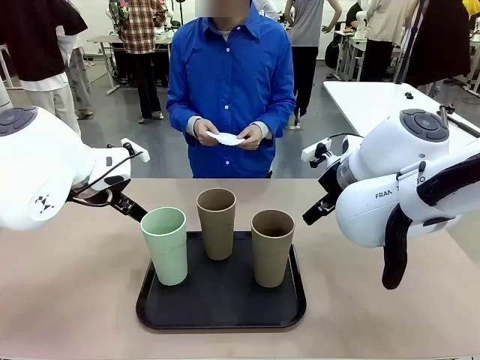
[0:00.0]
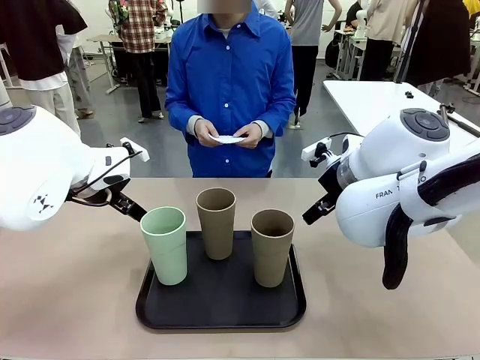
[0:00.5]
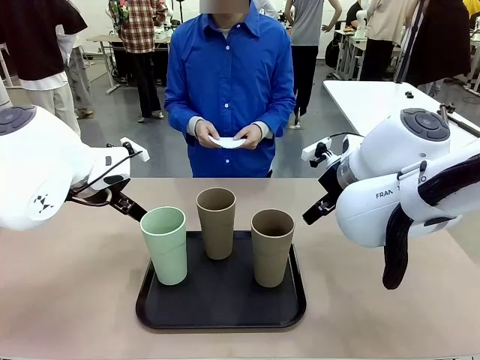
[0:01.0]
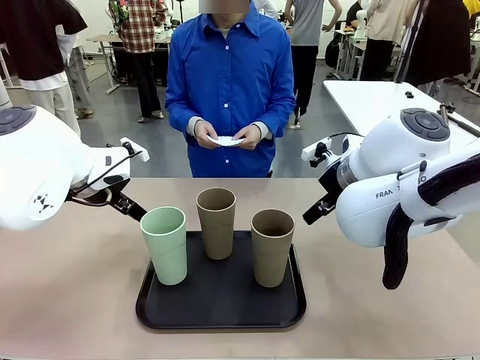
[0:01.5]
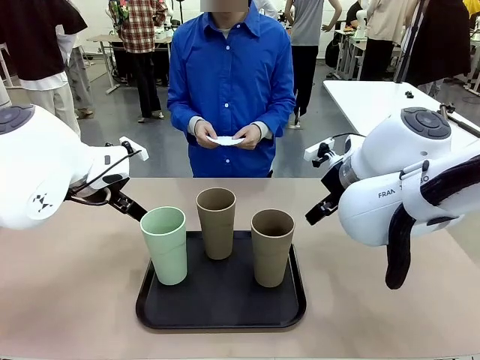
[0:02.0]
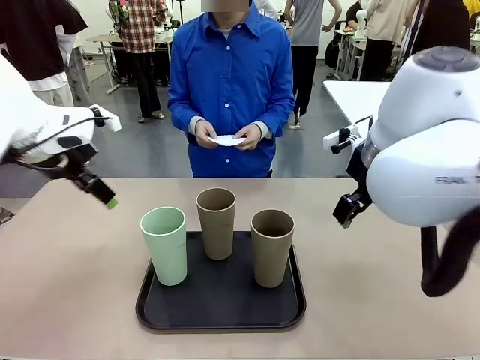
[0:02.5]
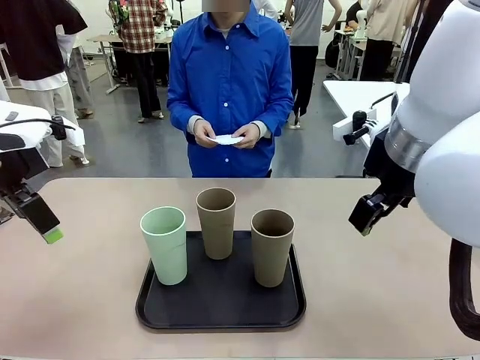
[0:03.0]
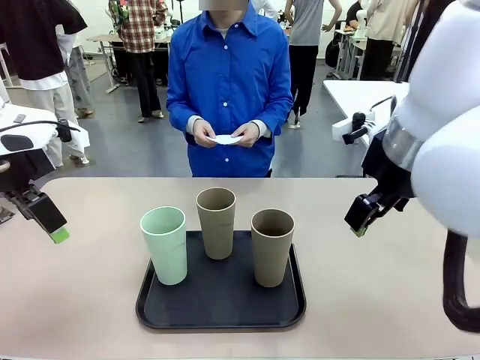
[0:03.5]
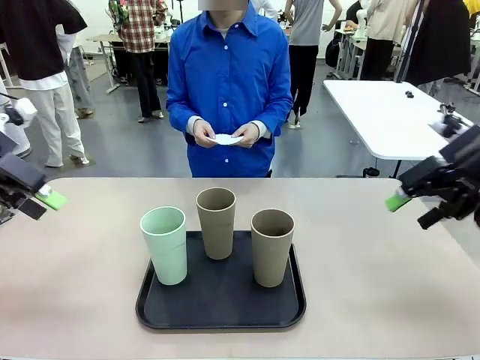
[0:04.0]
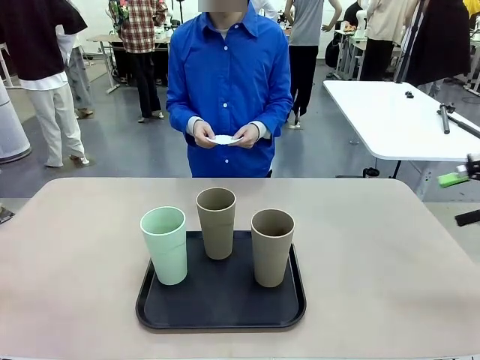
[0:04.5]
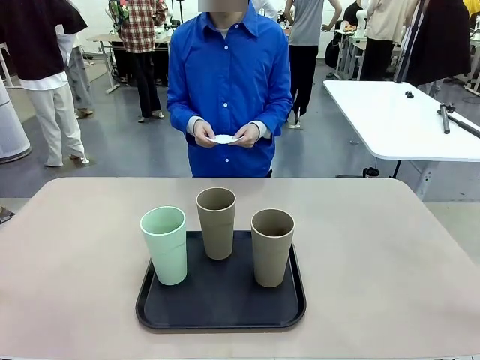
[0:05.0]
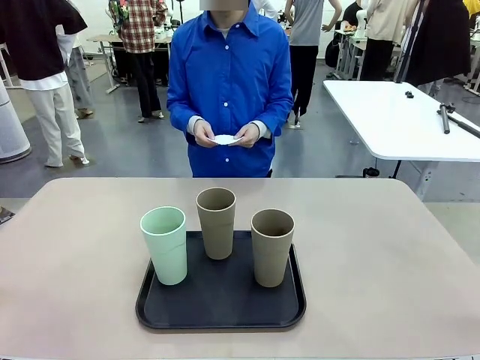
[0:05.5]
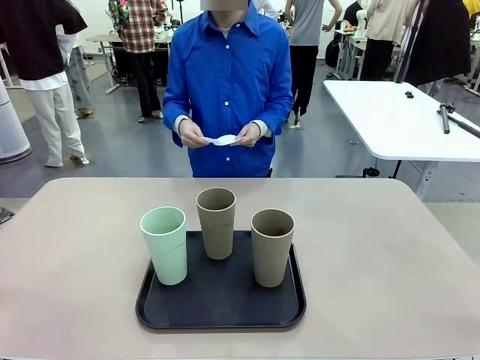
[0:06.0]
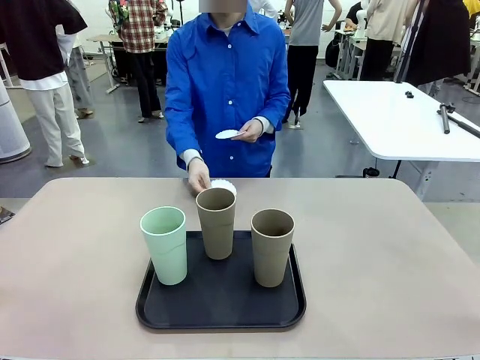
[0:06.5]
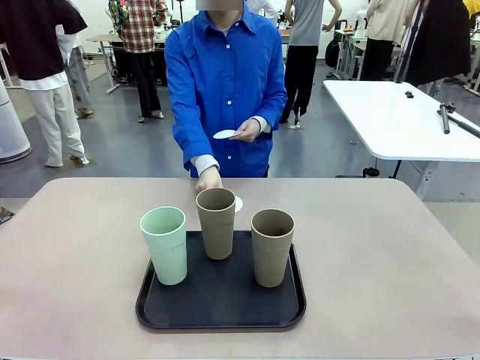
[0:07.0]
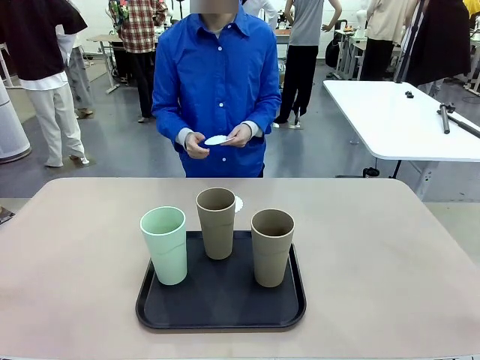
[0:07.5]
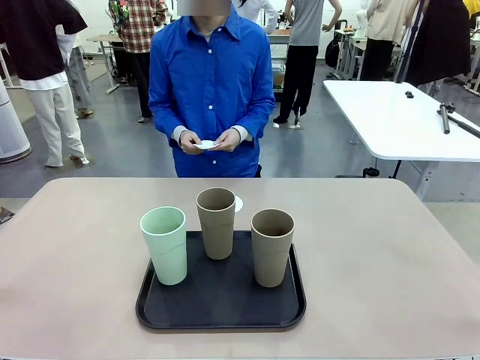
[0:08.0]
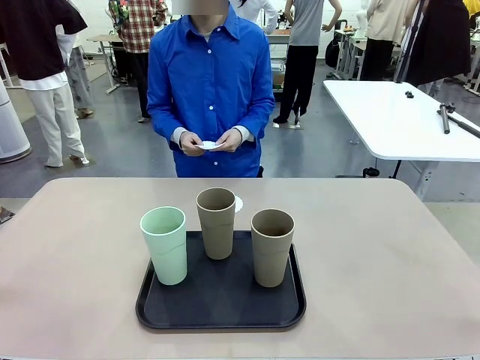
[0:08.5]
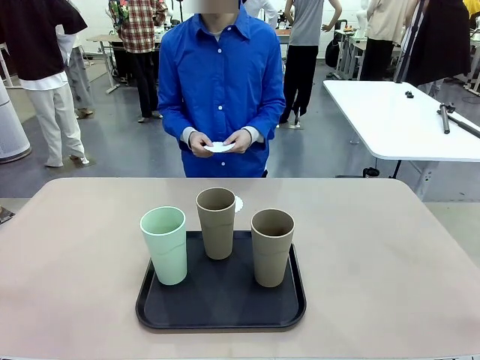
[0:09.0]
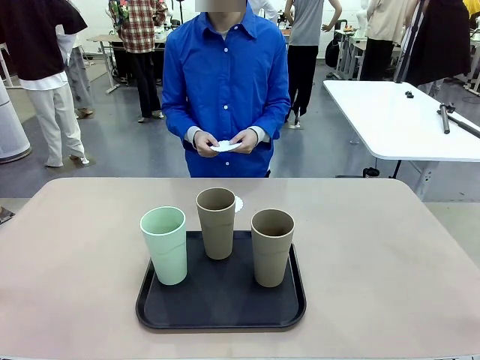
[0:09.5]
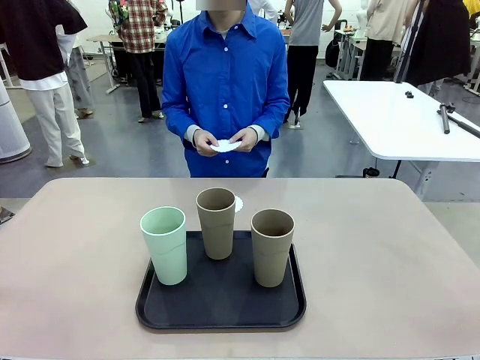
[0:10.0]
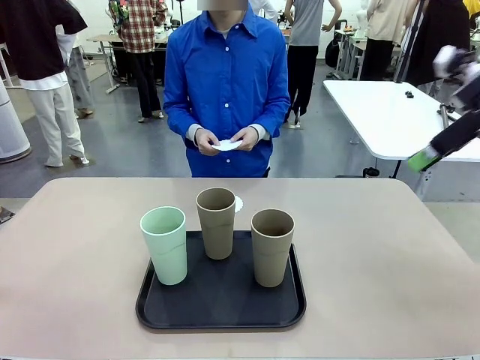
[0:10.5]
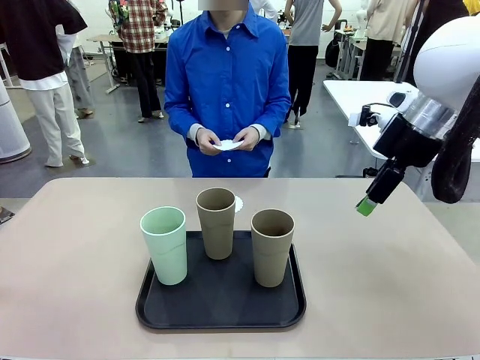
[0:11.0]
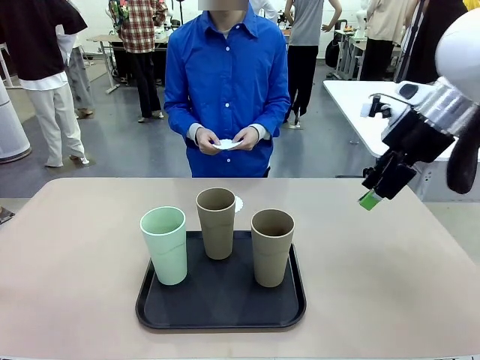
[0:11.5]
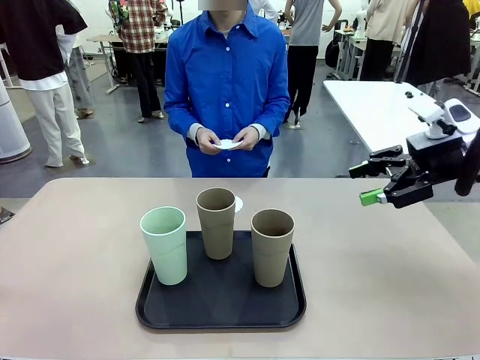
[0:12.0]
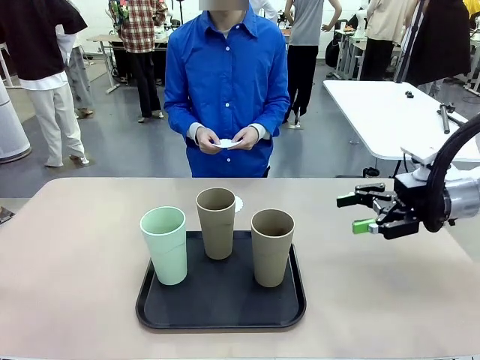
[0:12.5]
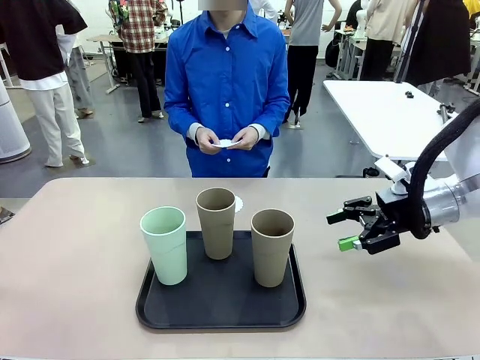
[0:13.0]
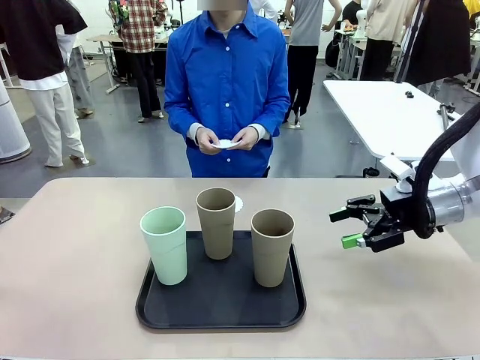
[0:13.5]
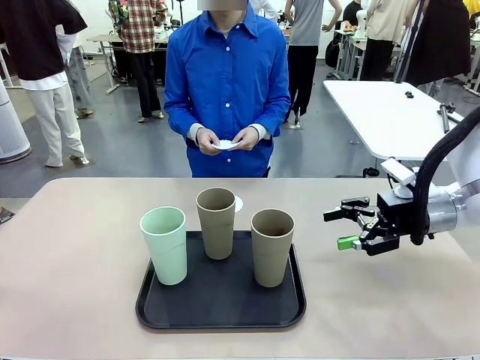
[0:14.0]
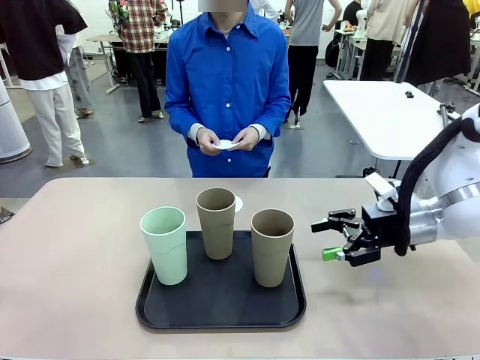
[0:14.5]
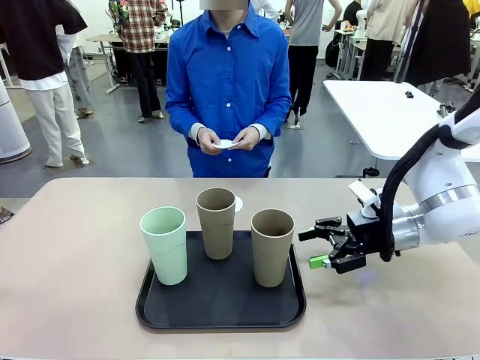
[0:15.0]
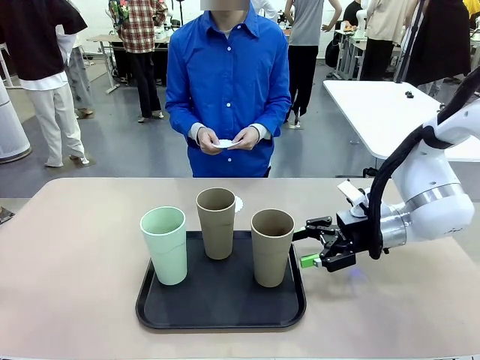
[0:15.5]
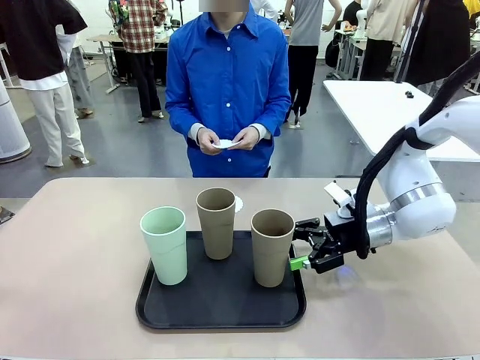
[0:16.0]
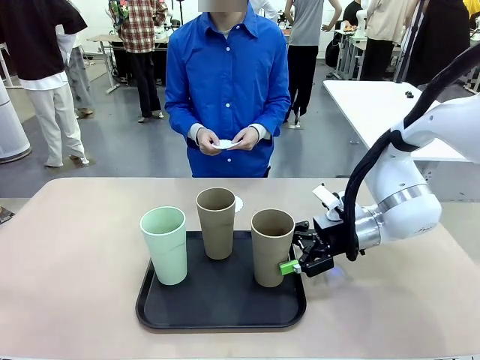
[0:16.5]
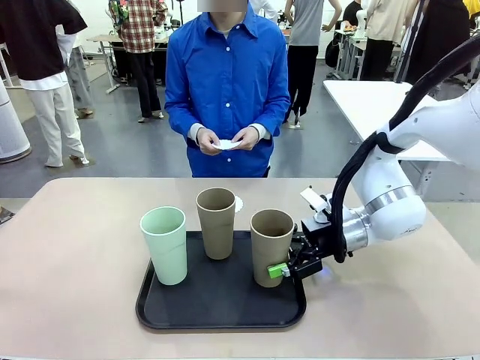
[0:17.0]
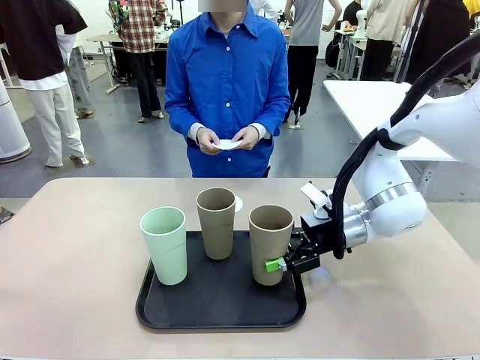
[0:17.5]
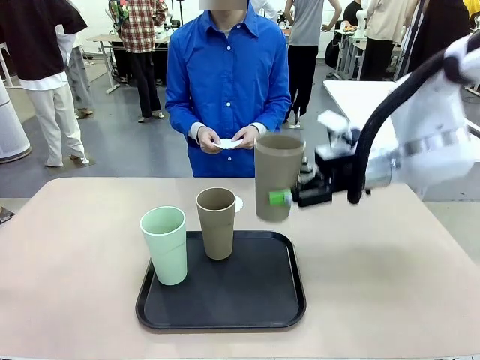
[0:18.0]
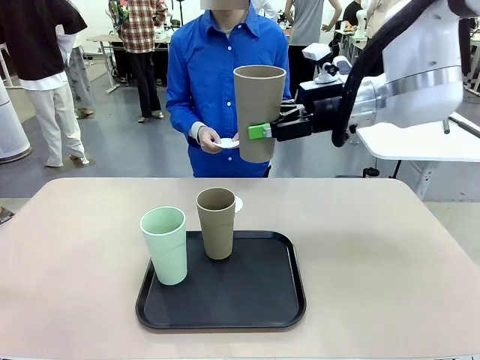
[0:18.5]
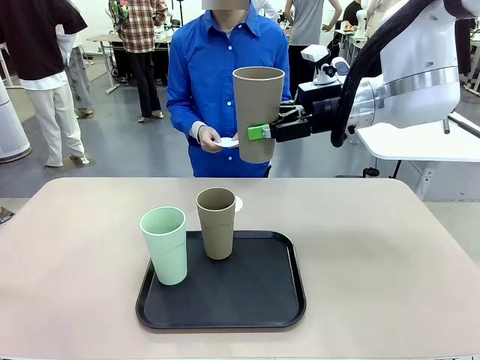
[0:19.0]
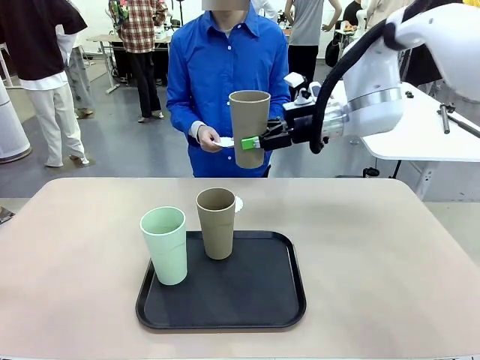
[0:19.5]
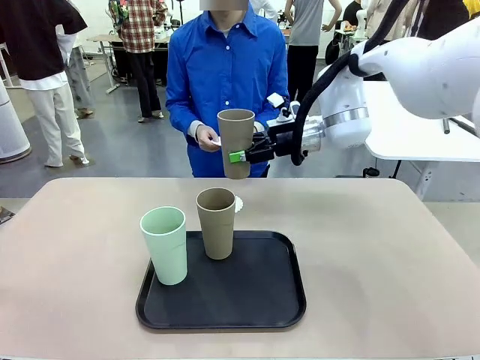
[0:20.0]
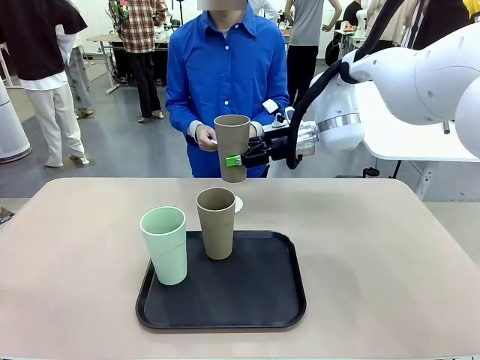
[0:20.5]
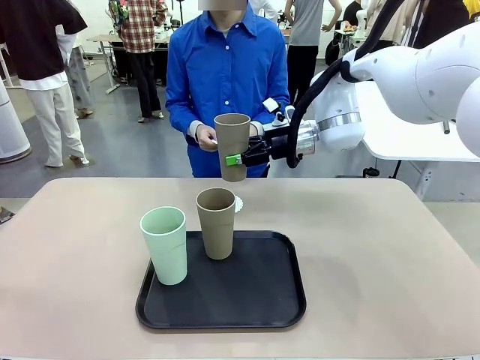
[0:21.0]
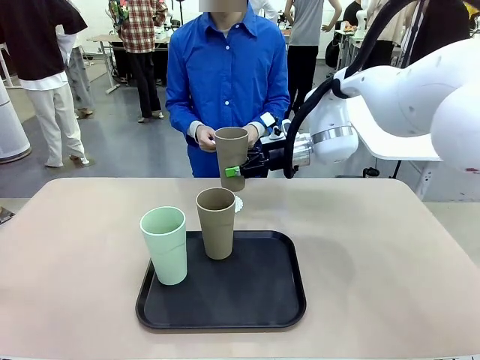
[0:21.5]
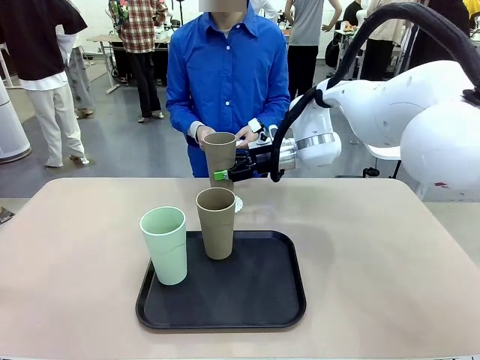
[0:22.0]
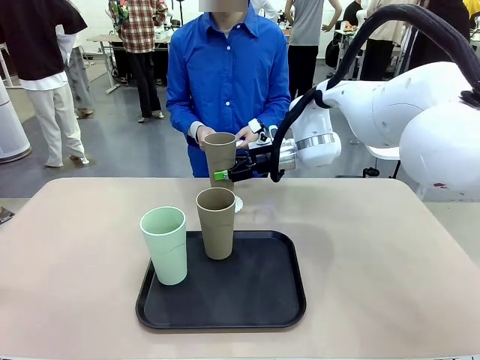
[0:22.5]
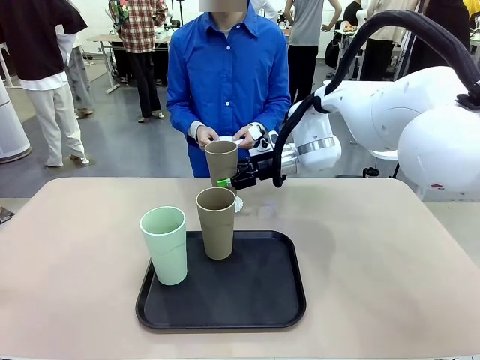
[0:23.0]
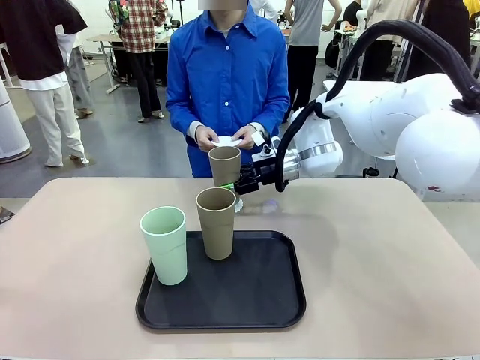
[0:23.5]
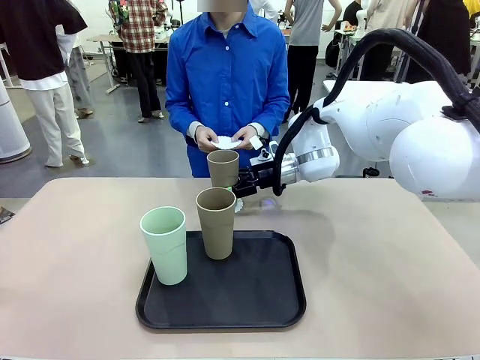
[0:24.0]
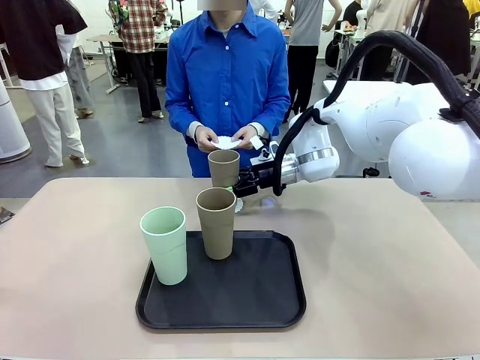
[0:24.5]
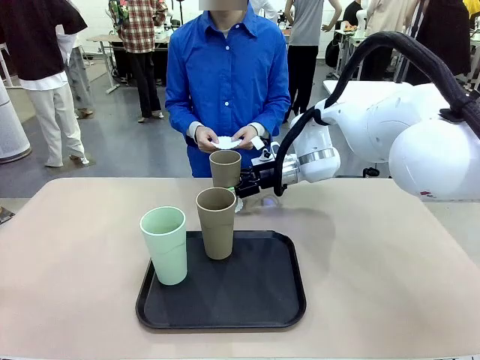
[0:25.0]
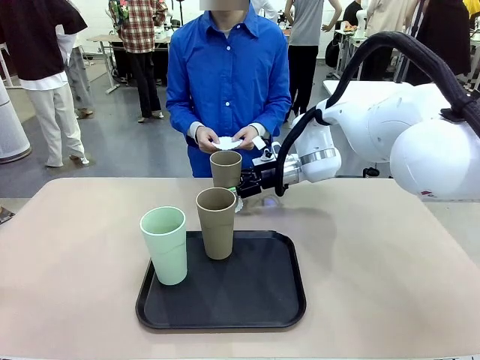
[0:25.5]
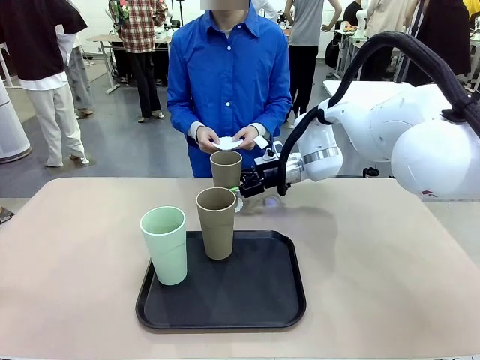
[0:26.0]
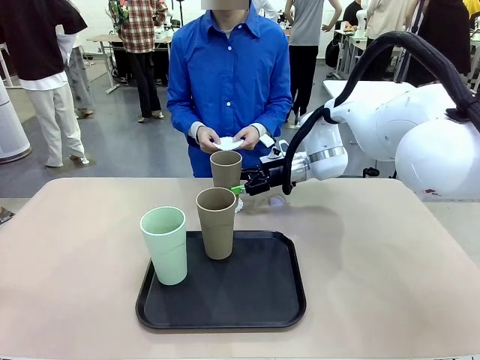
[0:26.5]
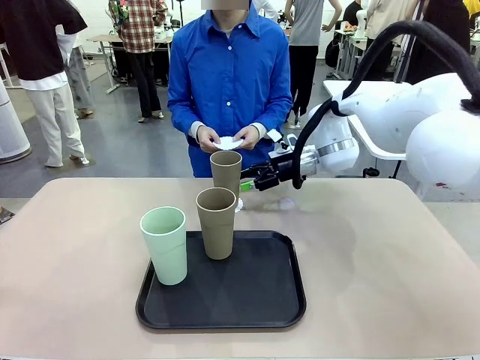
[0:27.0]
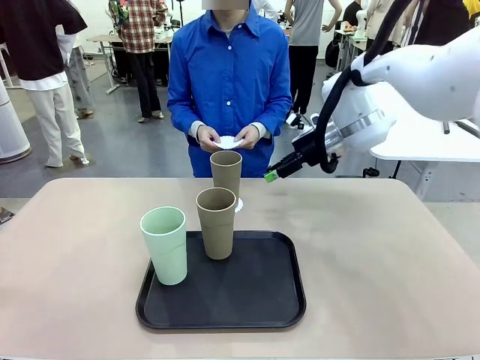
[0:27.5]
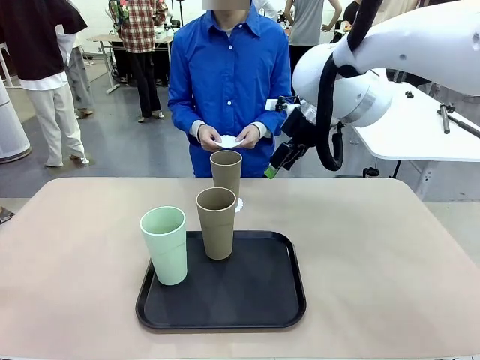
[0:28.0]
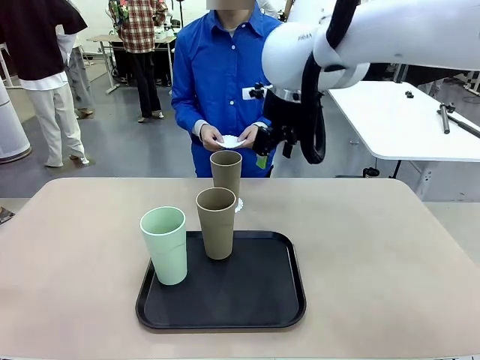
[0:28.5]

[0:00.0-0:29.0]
Task: Place coasters on the table and set cups on them.
Robot: Pick up one Reusable plastic cup and place it on a coaster set by the human.
Person: Place one coaster in any one of the three lower areas of the robot table (left, center, or right). Place one coaster in one of the two areas excluding the previously selected area.
